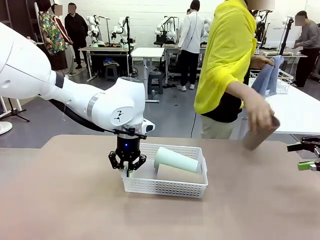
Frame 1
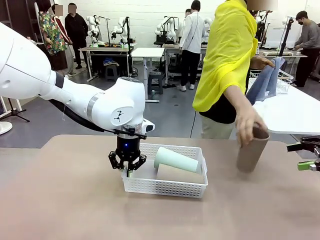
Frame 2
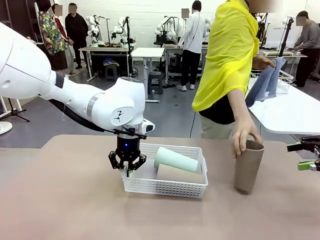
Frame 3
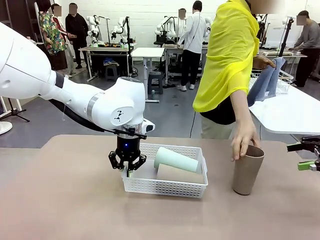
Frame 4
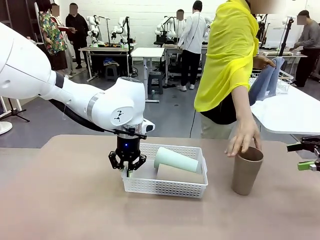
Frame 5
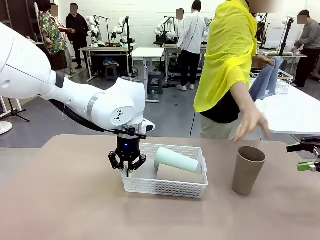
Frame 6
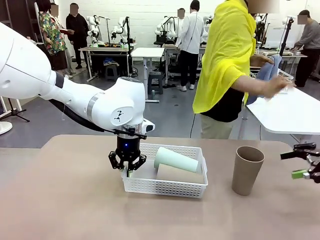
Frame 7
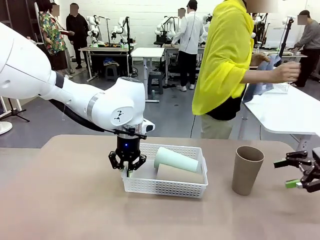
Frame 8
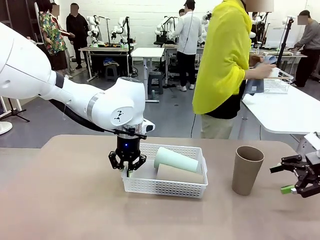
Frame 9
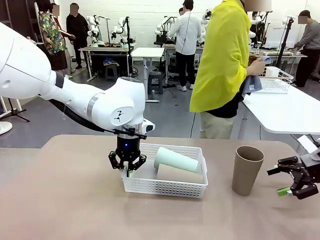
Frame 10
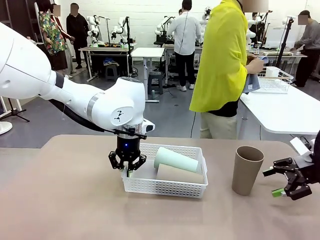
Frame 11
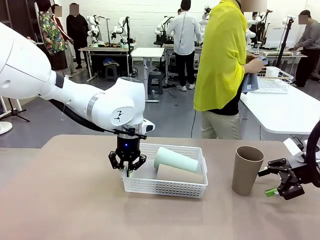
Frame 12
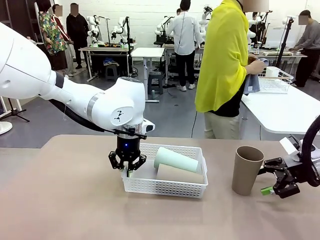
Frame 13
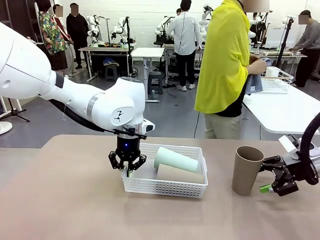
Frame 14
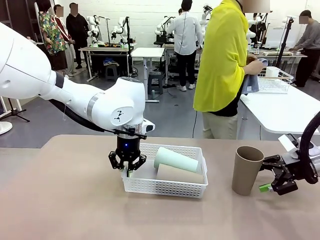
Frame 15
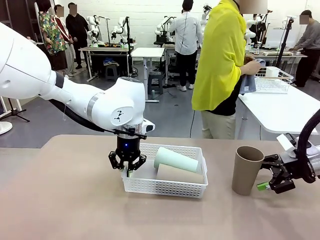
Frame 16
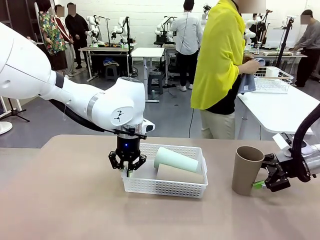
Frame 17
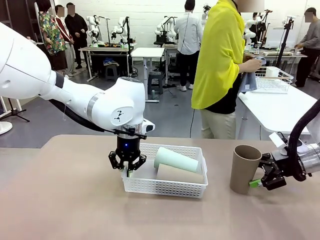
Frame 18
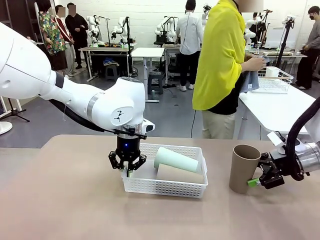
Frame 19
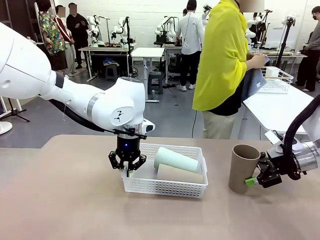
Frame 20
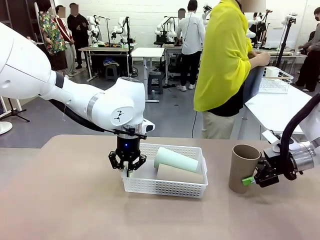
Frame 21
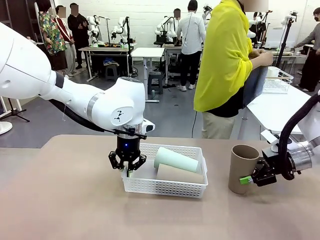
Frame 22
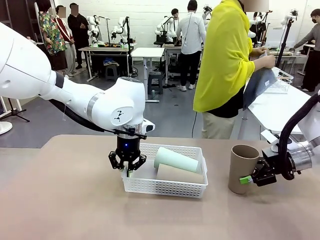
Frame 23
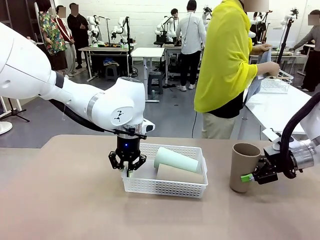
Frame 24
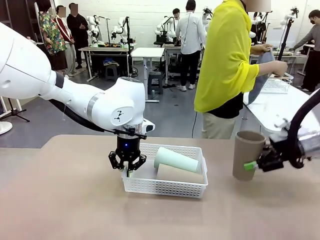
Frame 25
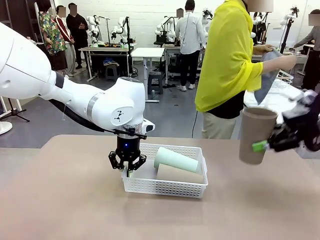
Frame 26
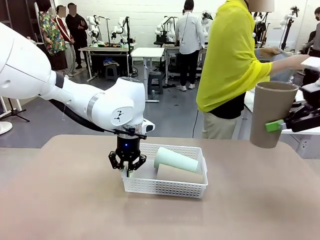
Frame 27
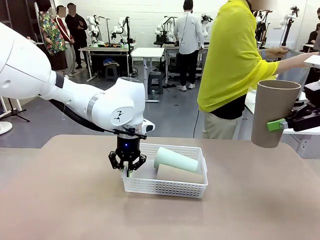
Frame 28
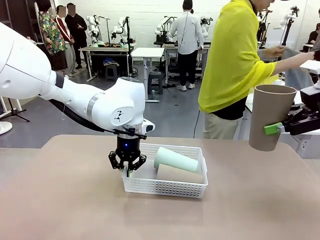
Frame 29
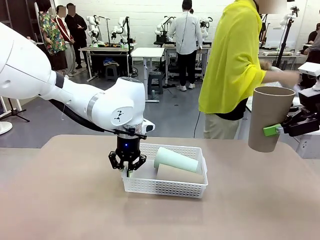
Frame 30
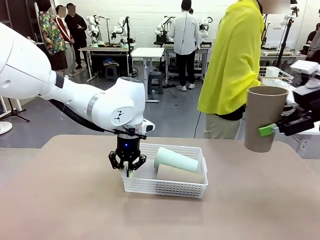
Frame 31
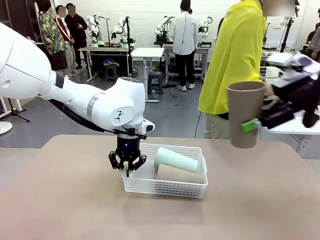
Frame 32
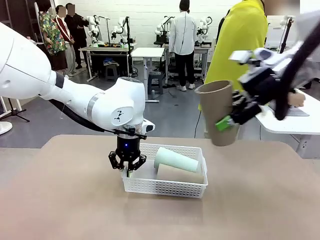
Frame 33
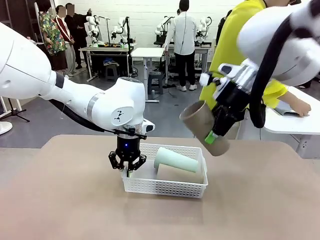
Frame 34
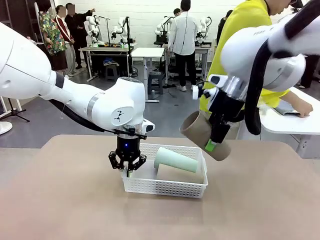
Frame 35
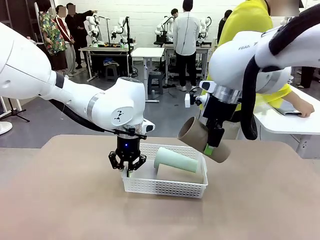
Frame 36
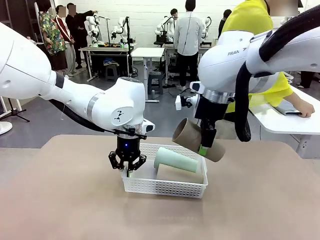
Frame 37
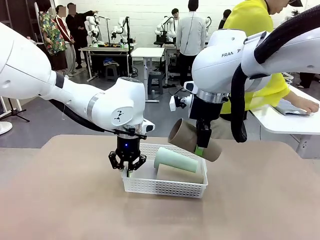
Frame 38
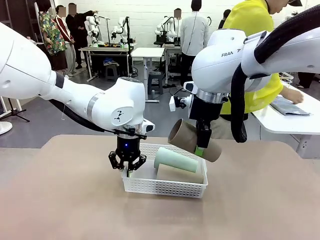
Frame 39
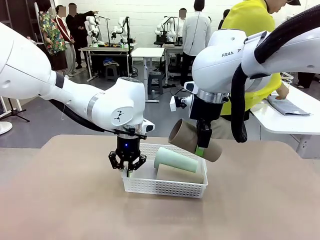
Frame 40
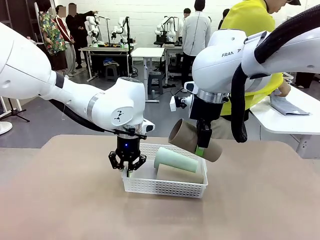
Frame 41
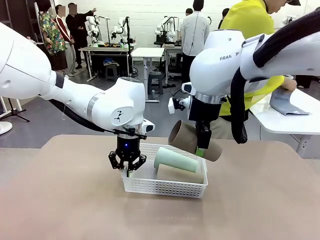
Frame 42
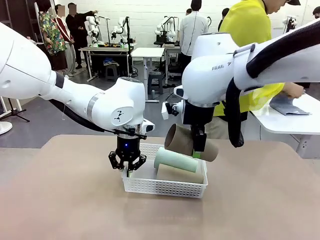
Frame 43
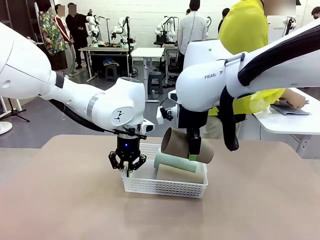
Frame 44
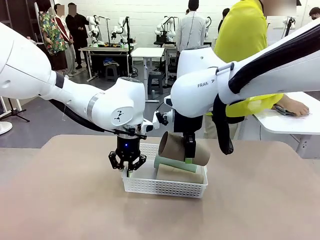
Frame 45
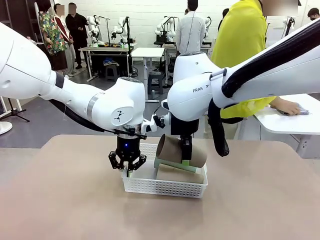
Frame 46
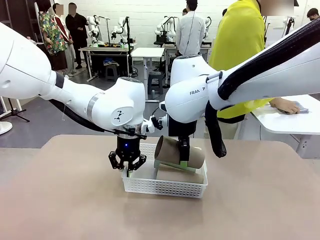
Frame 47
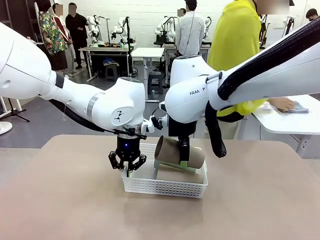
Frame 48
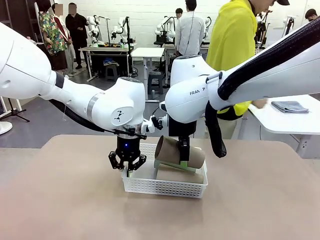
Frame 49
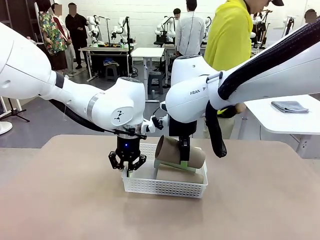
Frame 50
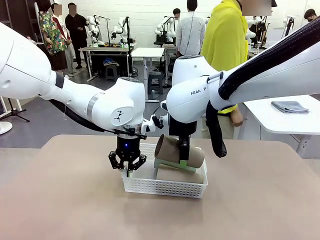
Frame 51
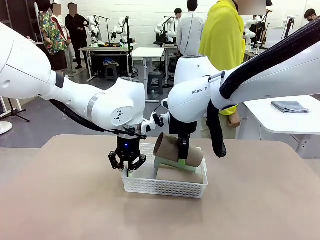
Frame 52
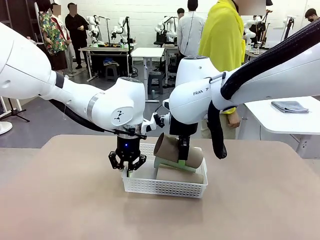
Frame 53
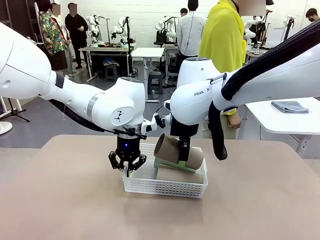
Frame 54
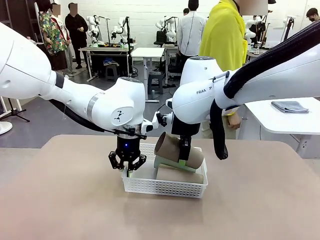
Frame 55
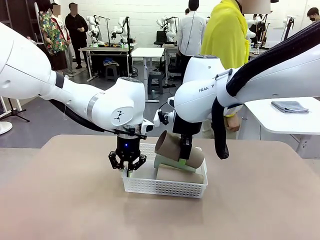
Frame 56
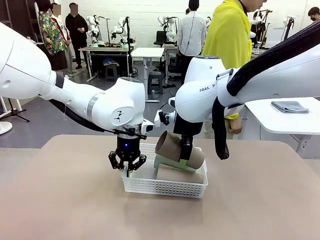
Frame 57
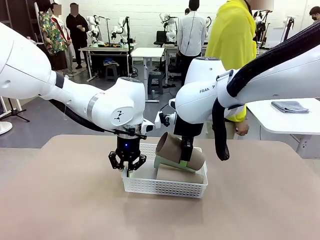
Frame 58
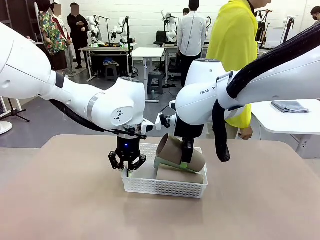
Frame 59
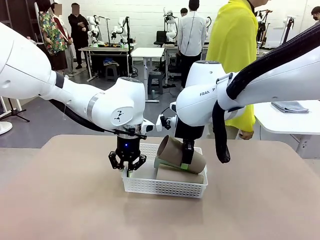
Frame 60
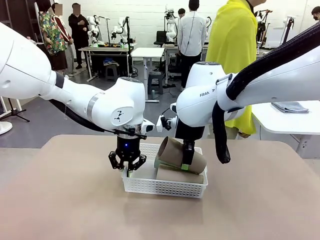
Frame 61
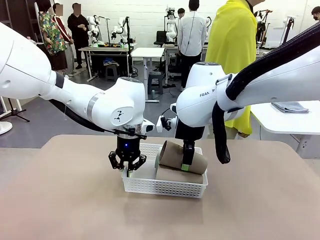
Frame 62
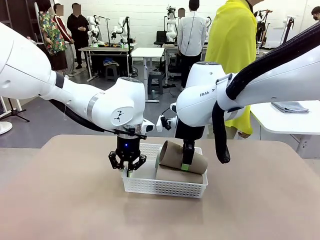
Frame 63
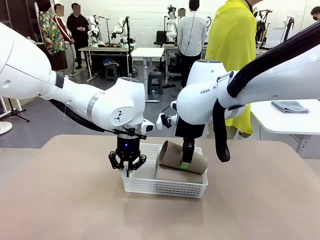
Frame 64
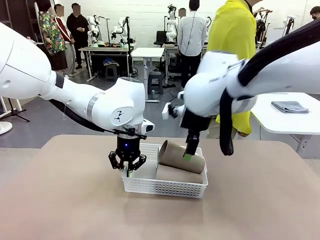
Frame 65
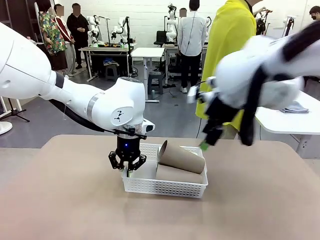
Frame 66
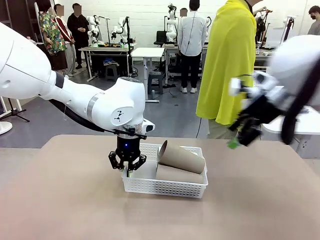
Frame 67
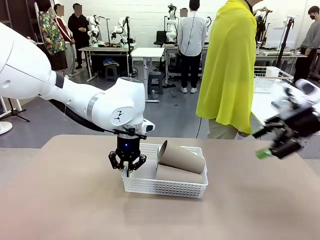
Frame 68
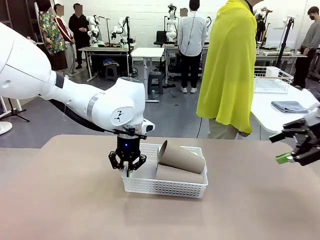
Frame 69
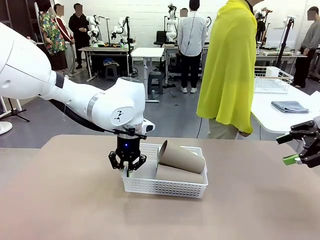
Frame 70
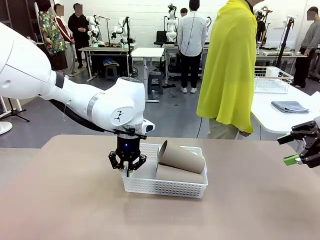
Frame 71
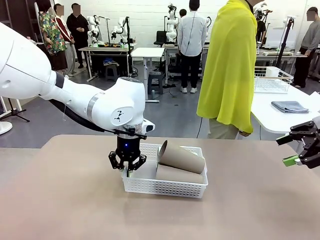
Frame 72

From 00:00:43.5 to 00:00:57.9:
Task: Clean and organize the cups into the basket.
Robot: Pick up the Reusable plastic cup from the right side of the table and stack it inside the Organizing basket in the center of the table.
Person: Folds the towel in half twice and places it in the right of the table.
